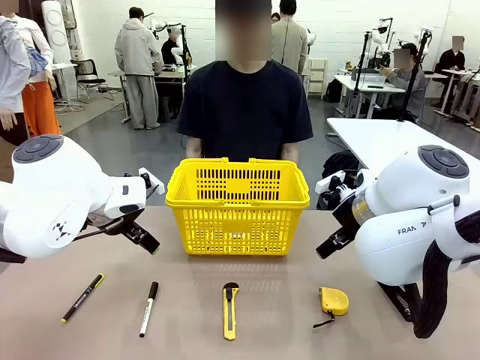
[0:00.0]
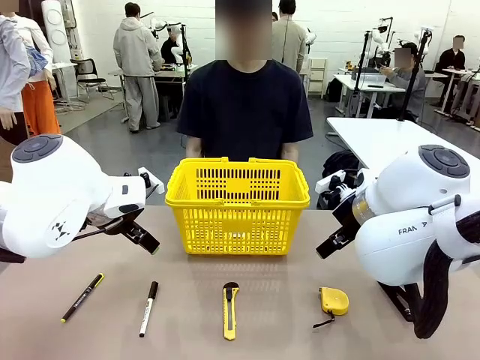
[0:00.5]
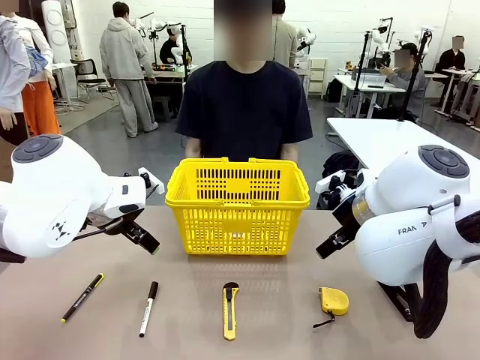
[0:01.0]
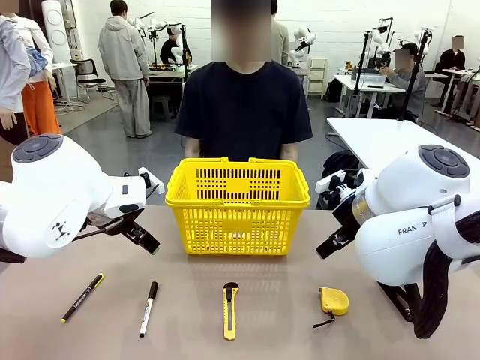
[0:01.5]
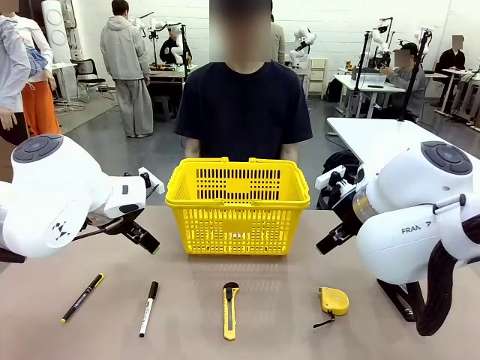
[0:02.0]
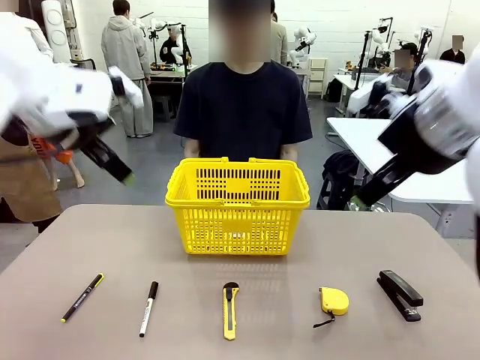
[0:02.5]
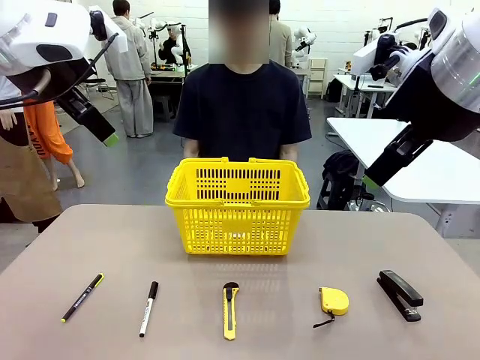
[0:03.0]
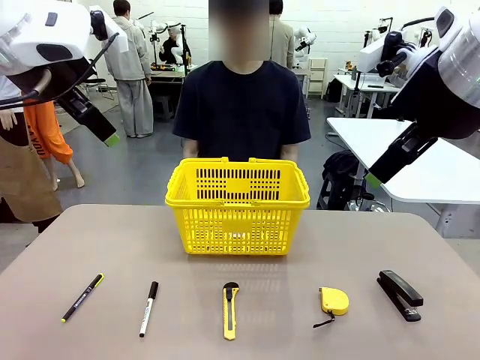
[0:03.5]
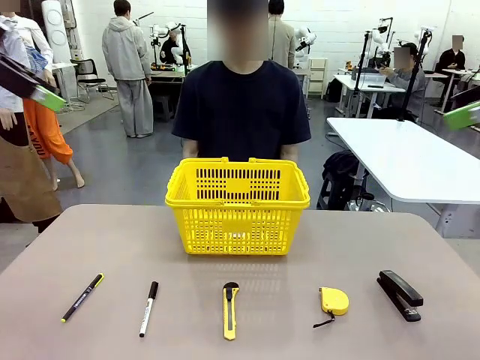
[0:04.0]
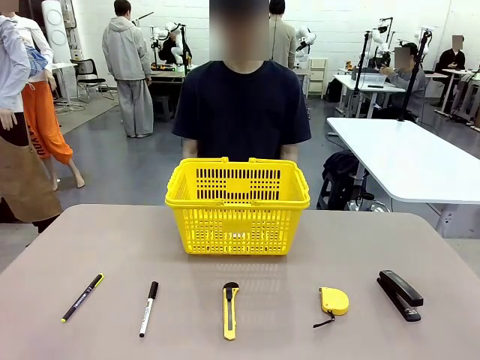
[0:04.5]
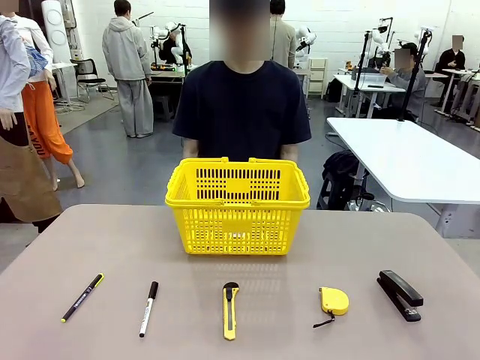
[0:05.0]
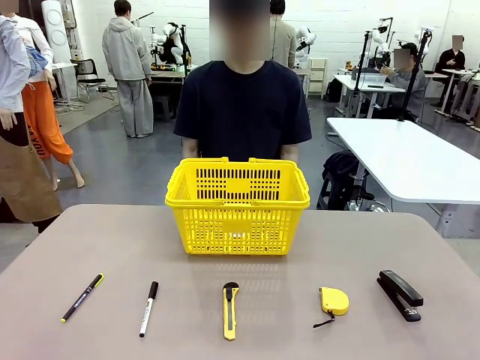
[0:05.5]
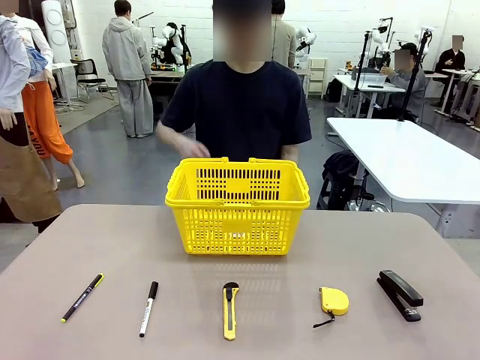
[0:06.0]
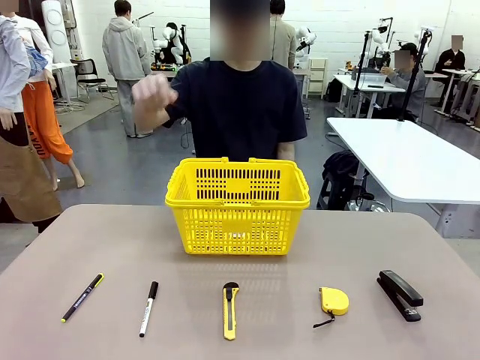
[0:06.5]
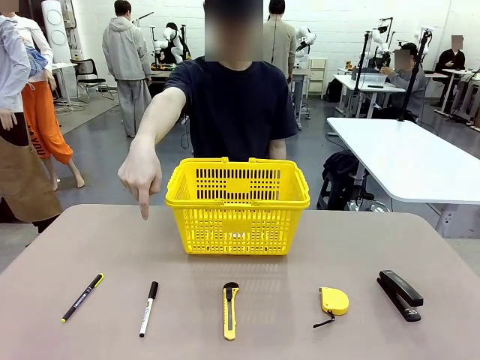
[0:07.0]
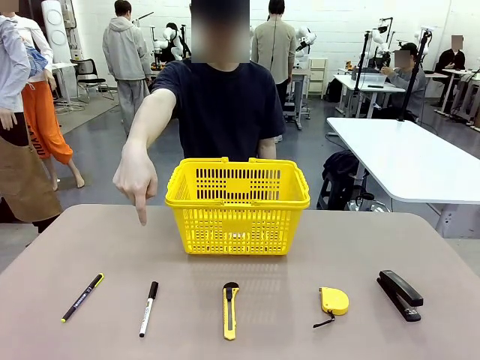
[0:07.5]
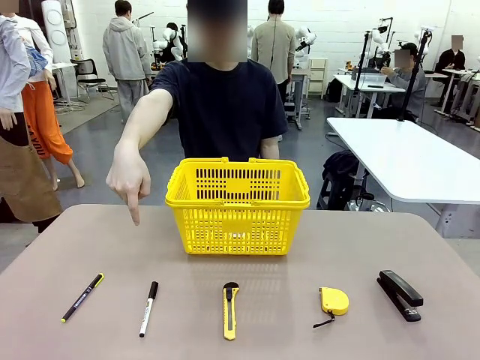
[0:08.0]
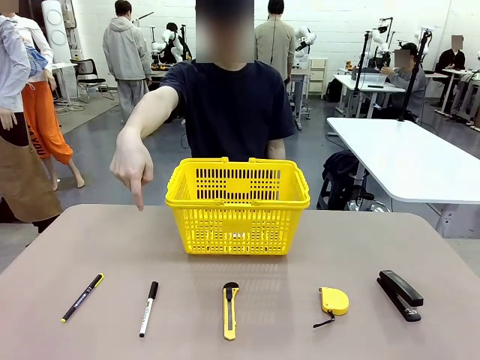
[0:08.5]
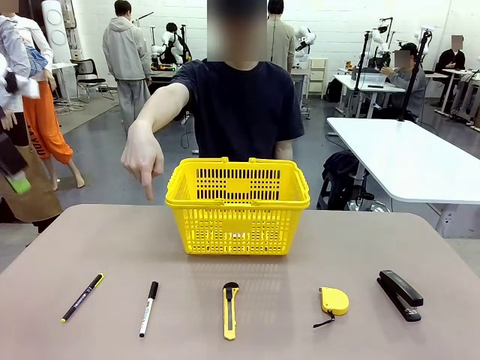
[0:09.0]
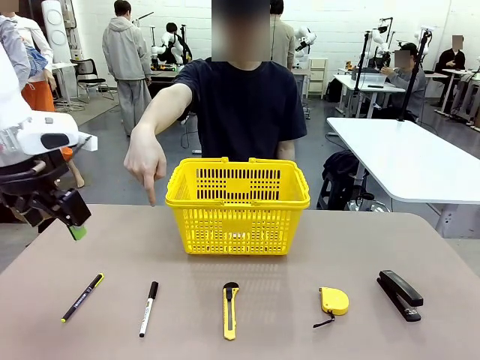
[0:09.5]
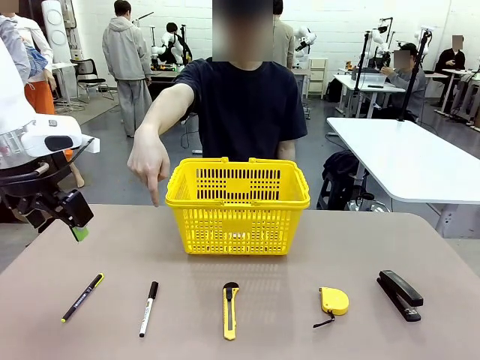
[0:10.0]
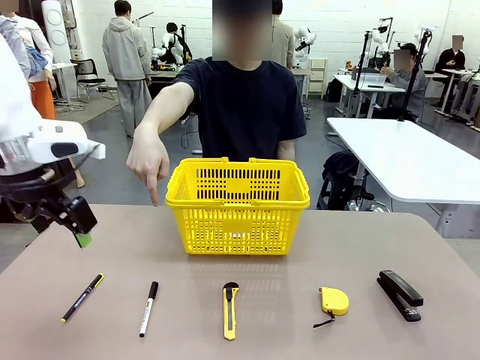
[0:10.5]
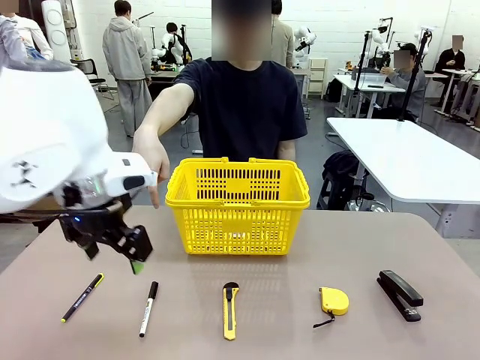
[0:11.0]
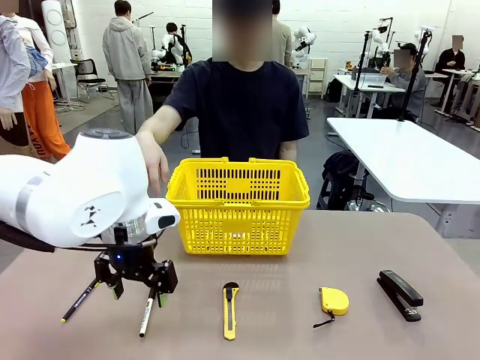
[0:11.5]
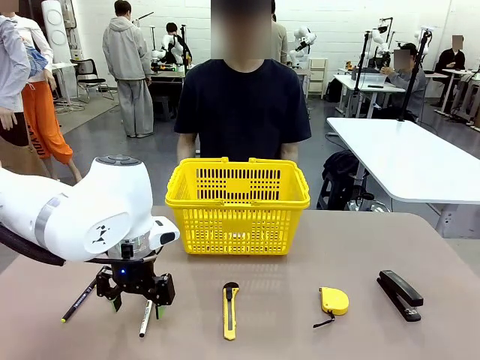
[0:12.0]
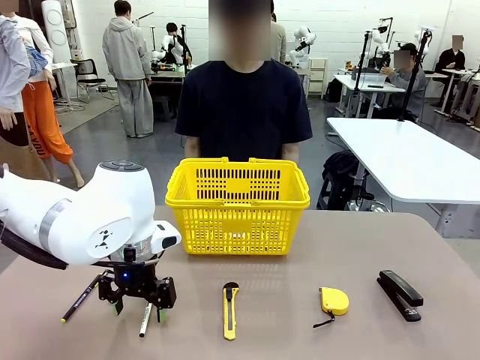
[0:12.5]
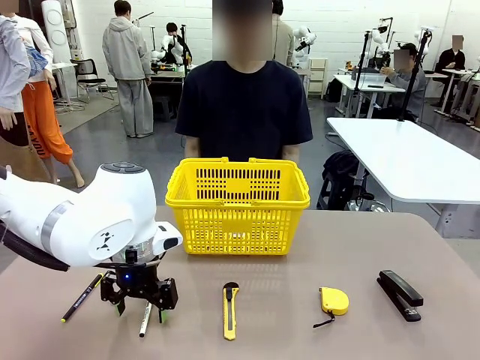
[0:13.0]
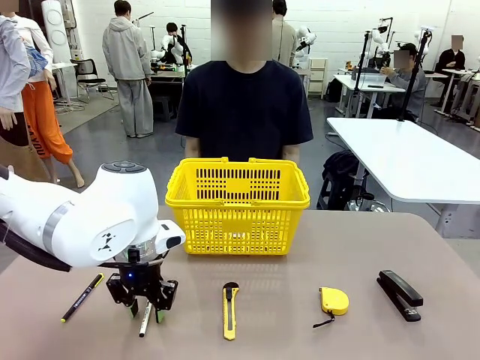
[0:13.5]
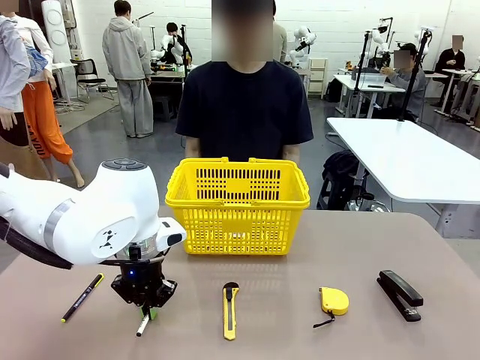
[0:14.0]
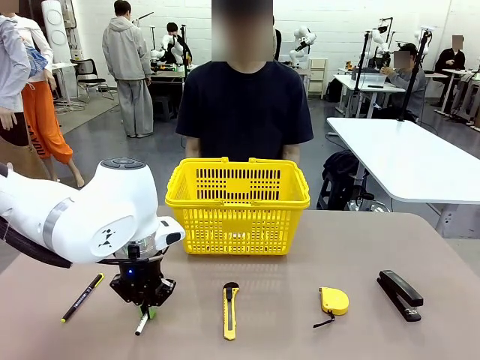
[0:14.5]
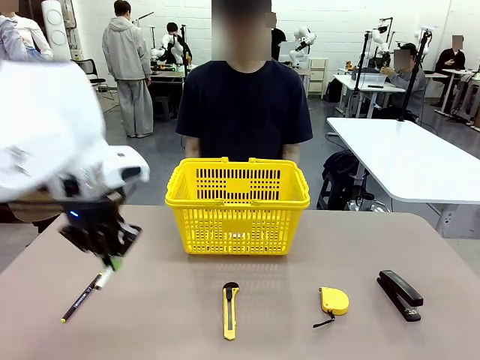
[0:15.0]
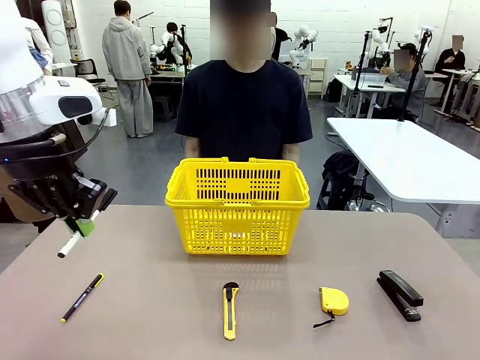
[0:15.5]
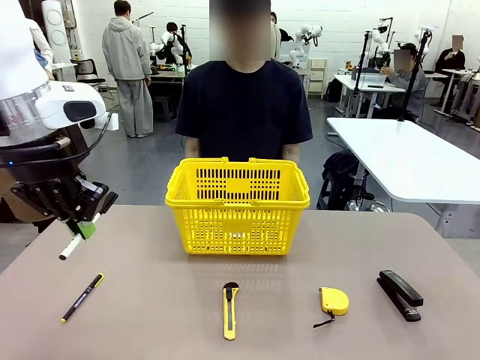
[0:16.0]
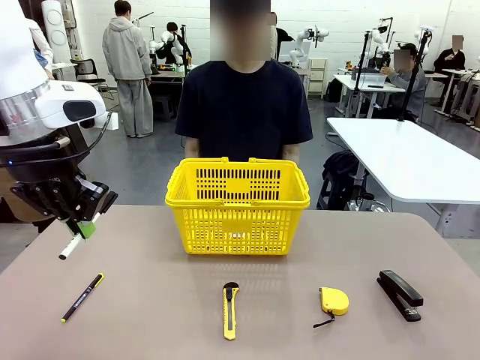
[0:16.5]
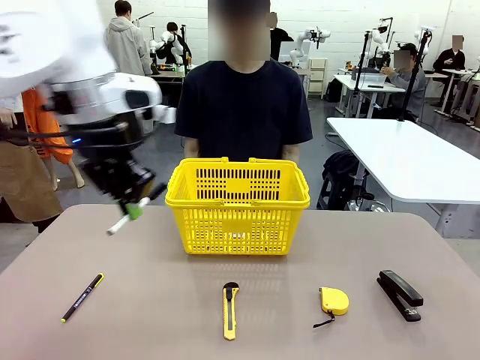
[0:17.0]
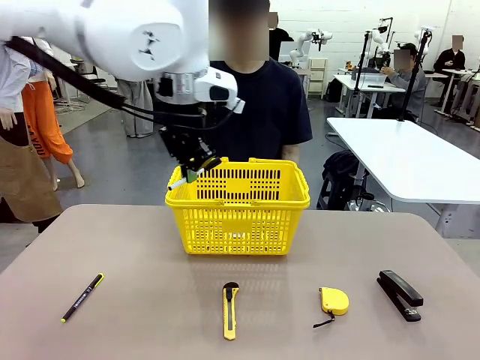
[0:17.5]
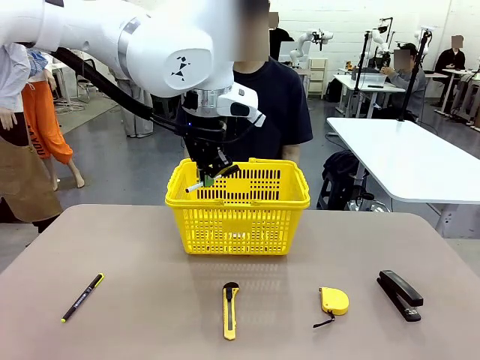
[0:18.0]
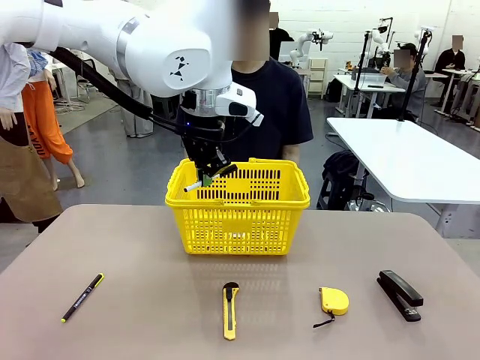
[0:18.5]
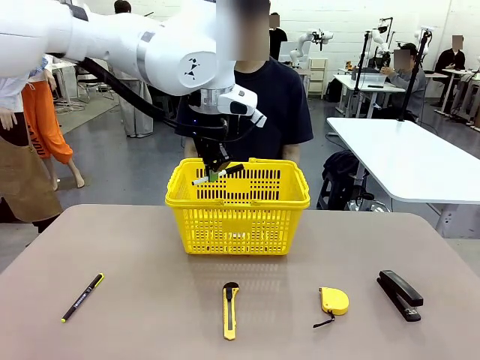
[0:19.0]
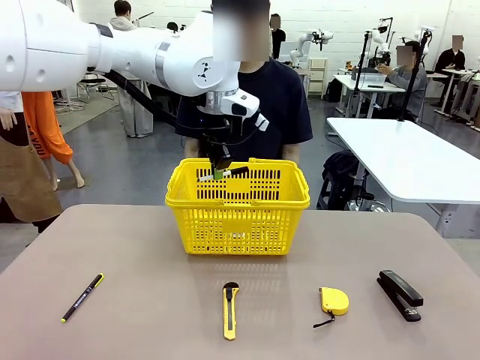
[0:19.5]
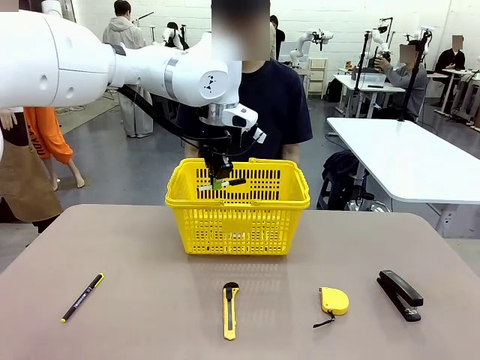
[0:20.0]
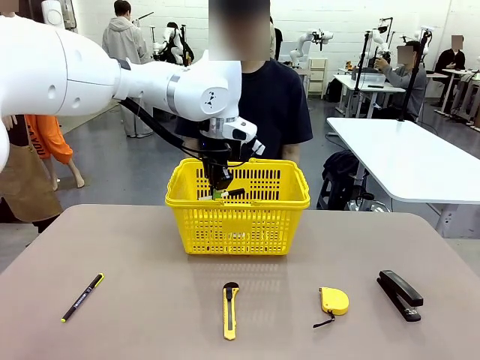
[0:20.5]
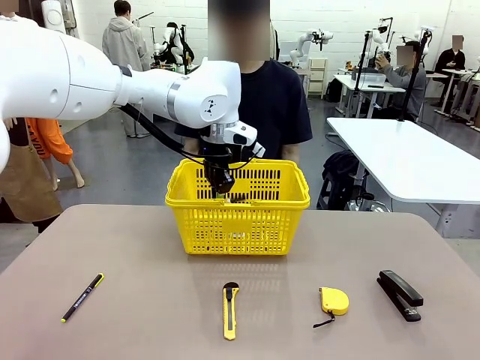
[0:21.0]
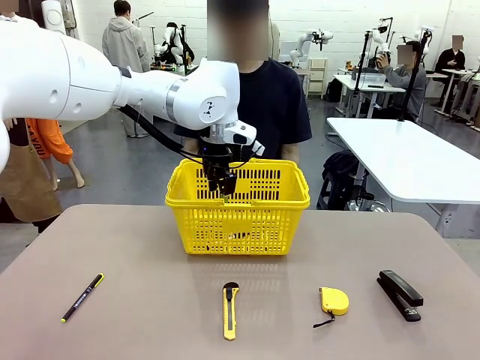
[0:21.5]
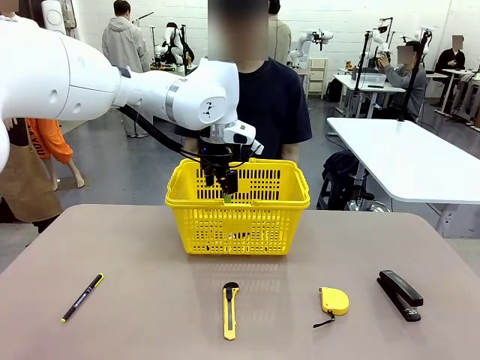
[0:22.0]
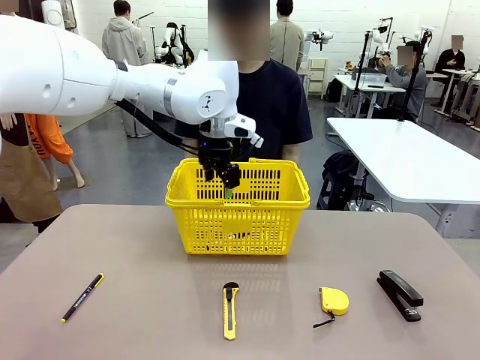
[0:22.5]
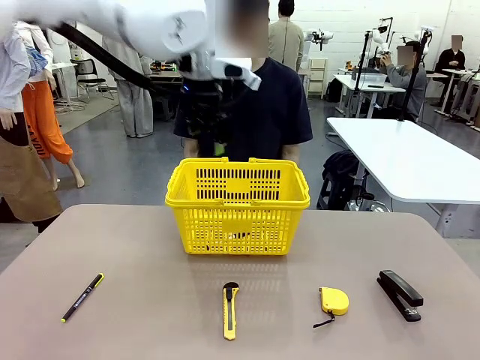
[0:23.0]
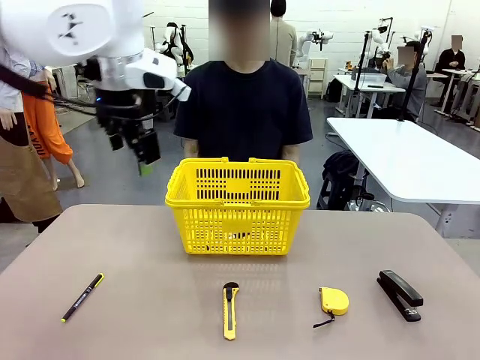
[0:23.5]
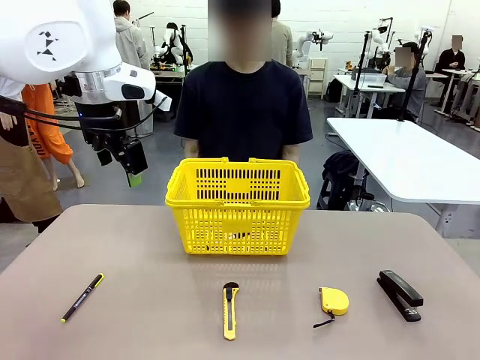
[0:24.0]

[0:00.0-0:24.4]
Task: Place the items the person wants into the basket.
Robot: Pick up the item the person points to and place it in the Market Basket.
